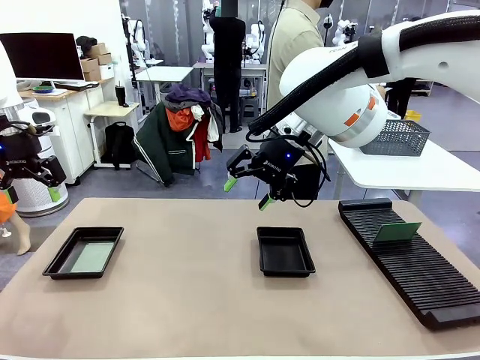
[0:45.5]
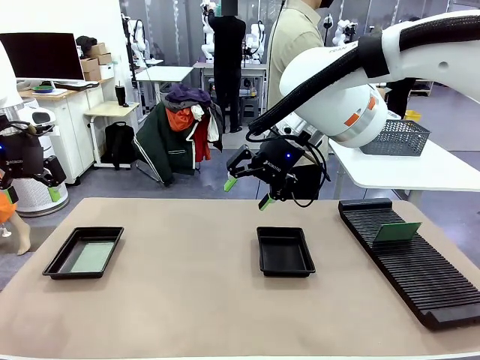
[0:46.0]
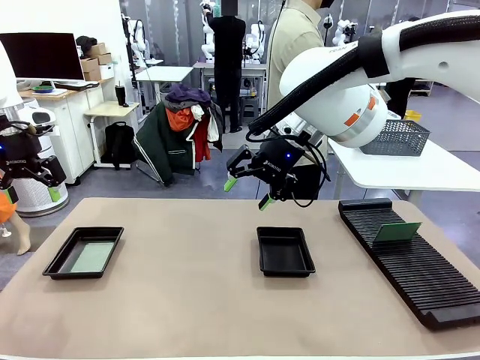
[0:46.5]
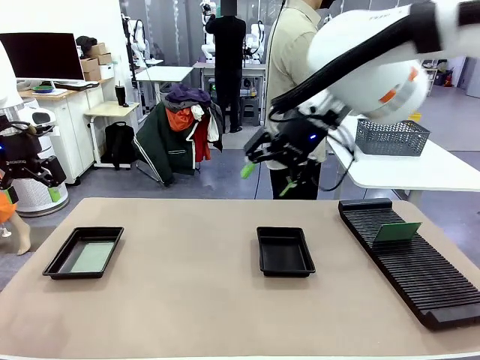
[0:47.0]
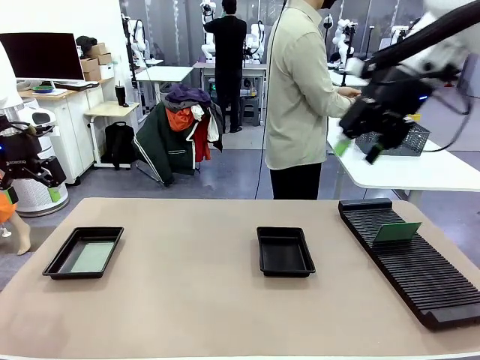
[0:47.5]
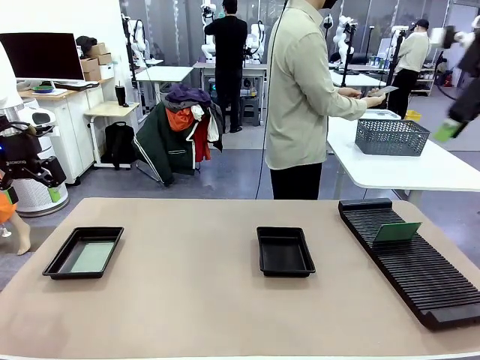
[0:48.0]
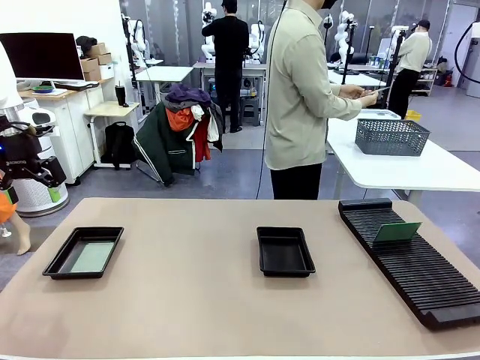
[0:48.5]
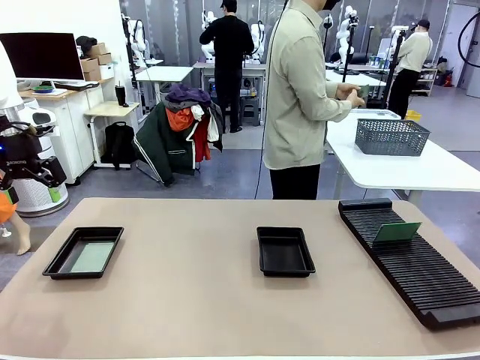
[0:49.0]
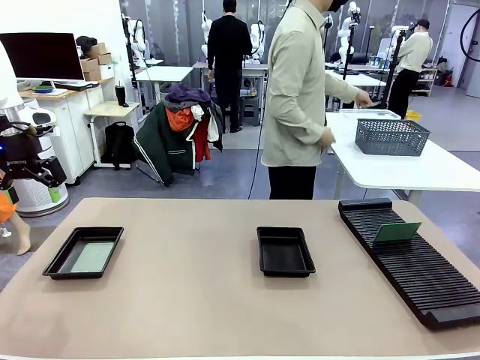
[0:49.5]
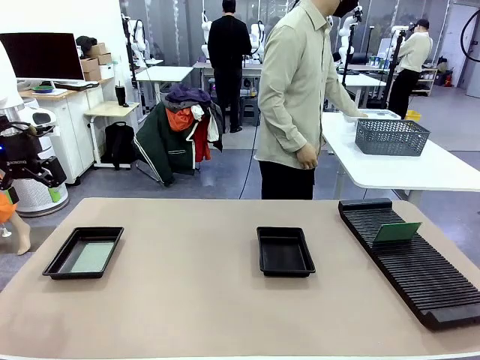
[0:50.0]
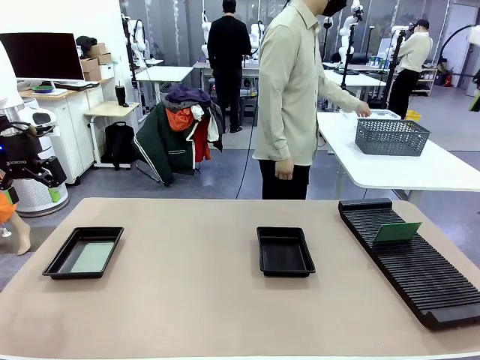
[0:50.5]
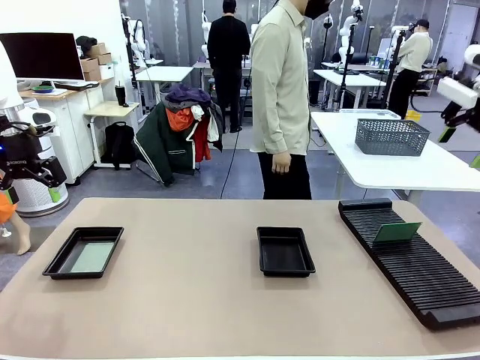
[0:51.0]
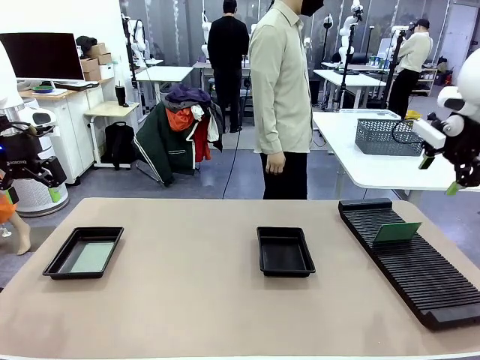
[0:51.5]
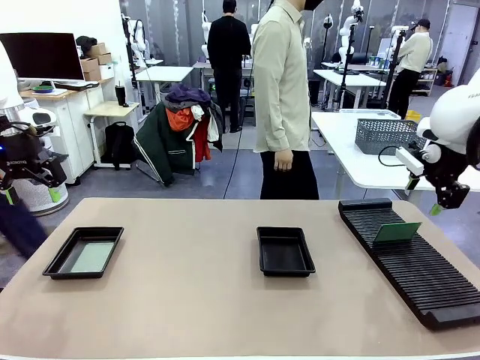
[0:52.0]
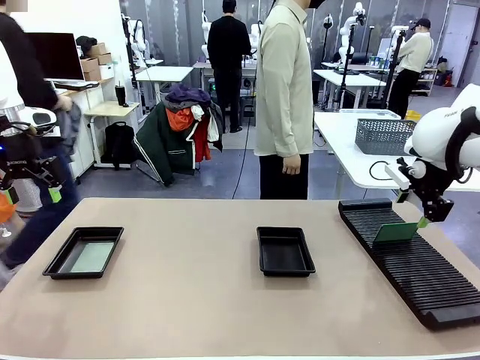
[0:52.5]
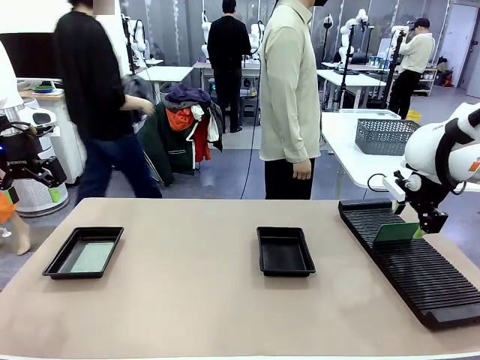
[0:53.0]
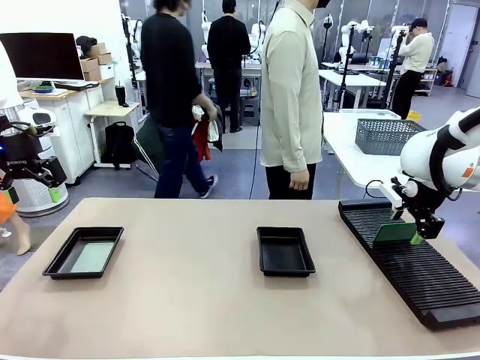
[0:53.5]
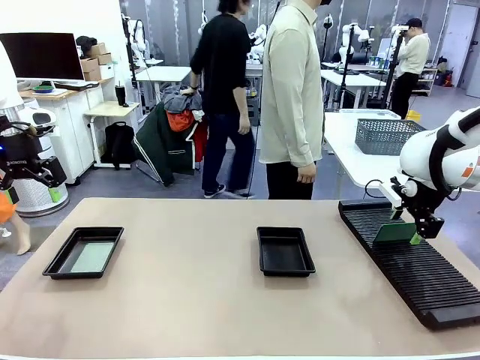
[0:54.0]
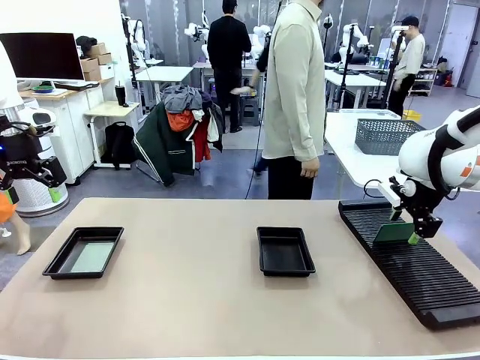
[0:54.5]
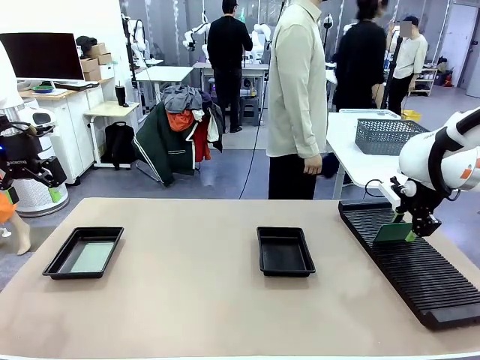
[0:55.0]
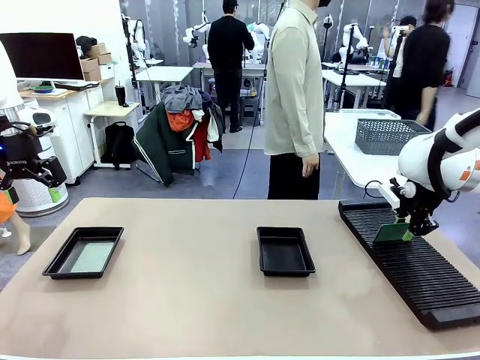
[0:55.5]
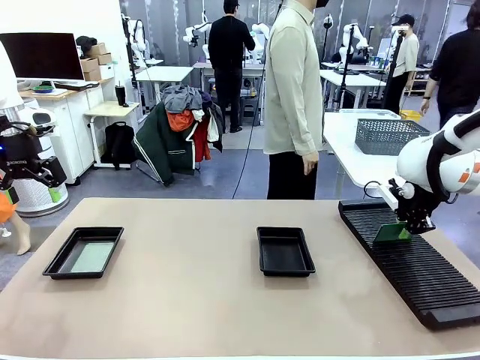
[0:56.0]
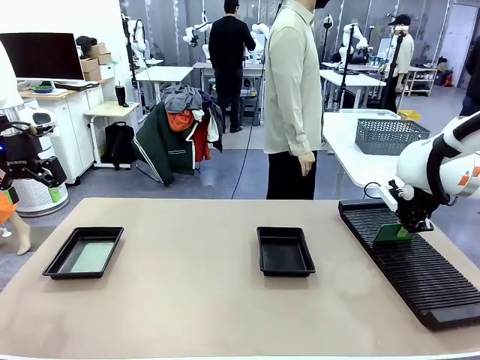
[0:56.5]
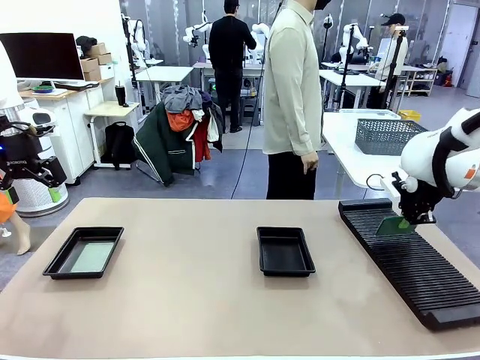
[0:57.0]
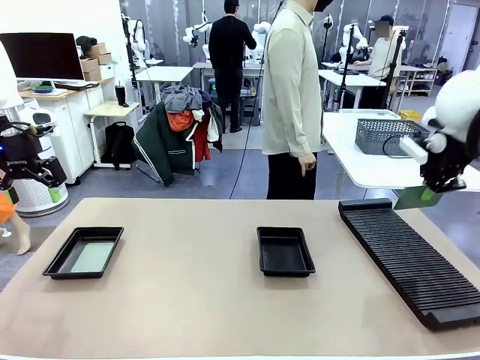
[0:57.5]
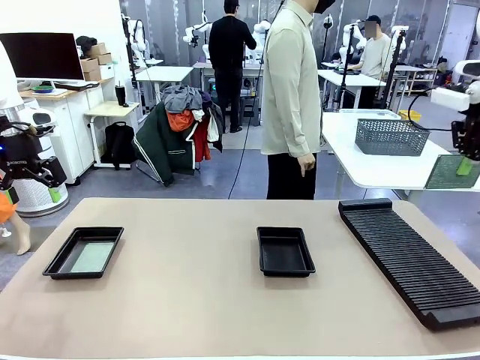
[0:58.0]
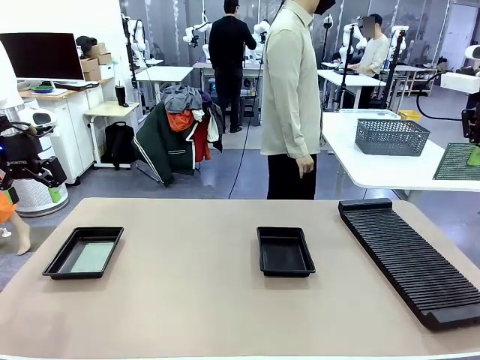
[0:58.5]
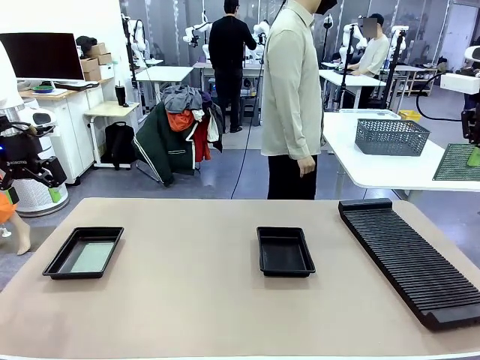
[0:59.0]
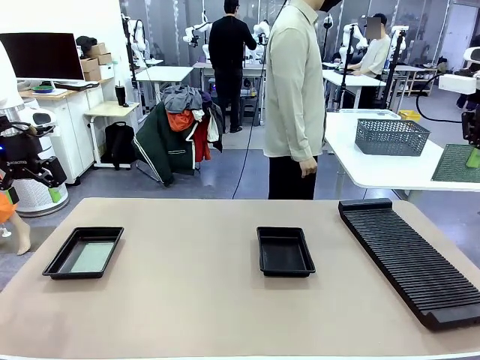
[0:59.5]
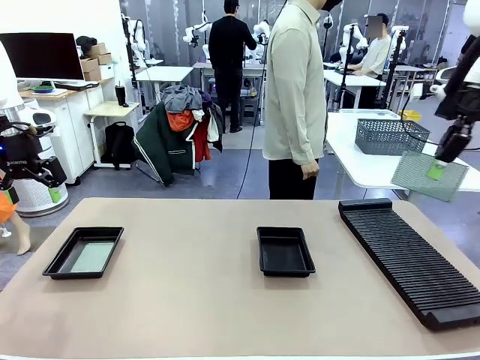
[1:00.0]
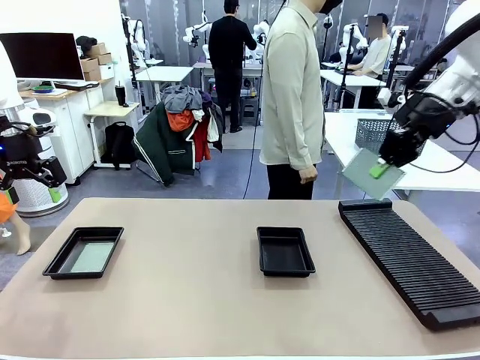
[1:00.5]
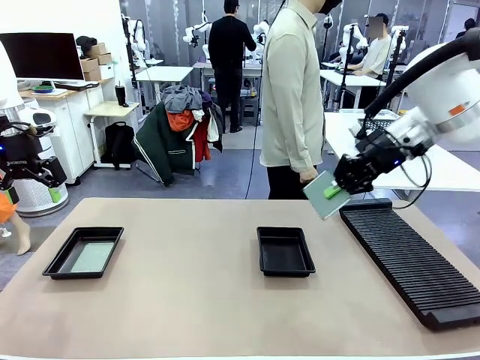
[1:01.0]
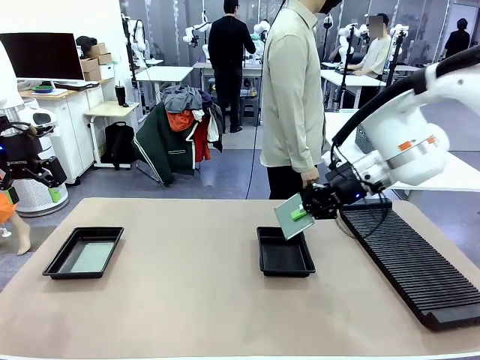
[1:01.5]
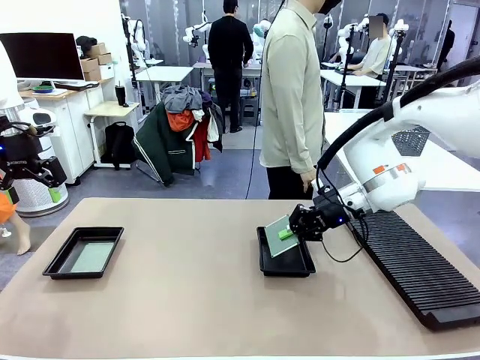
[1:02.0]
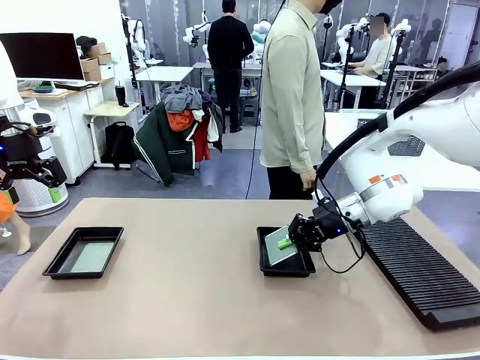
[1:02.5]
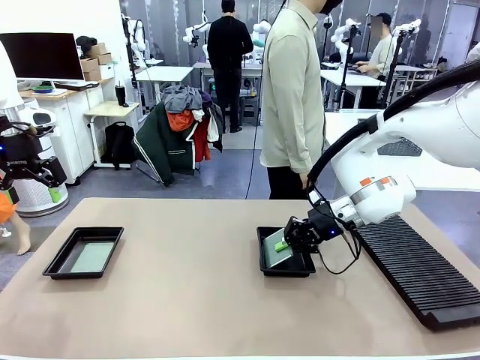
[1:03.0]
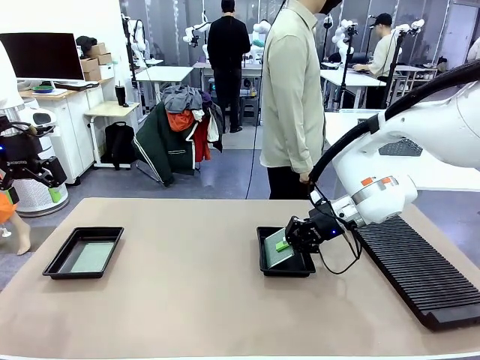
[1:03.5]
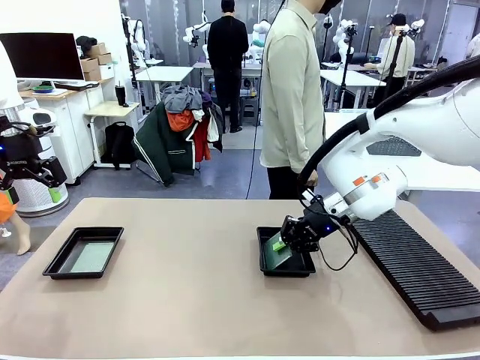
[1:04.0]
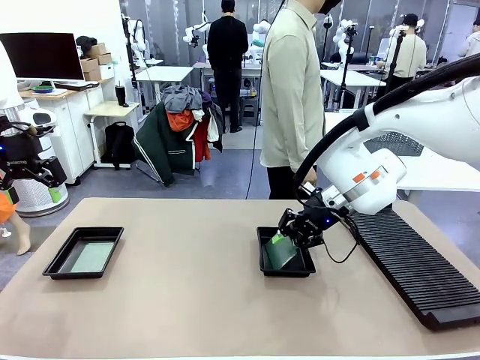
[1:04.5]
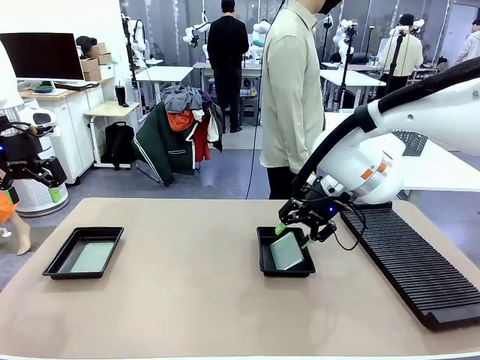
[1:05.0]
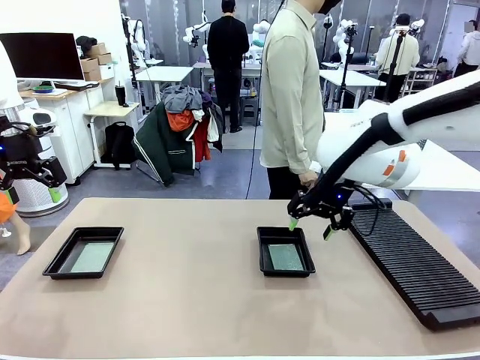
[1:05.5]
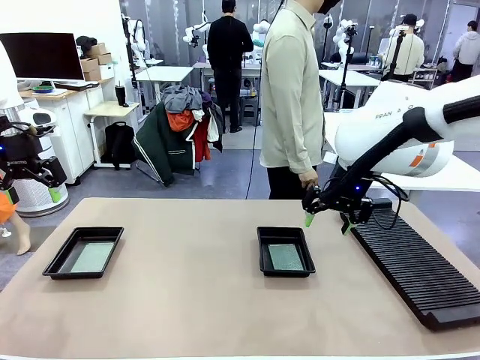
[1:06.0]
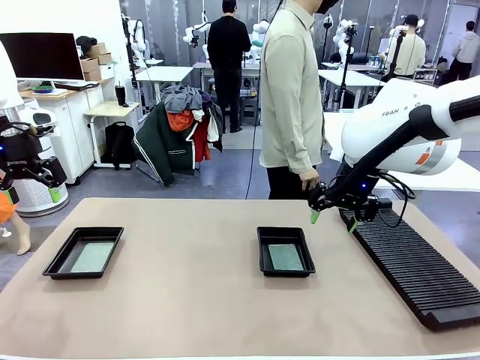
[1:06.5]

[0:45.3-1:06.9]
Task: Inspect and transfer BCBs to ESD trays.
Robot: Pick up the Blank PCB from the PCB Rack and place it in the right ESD tray.

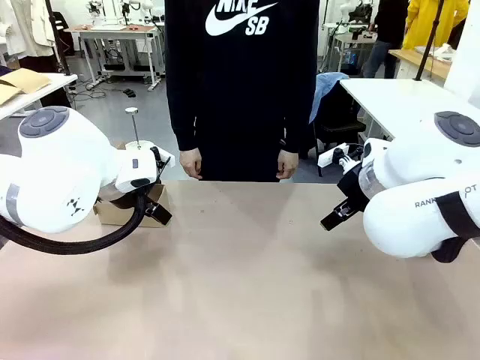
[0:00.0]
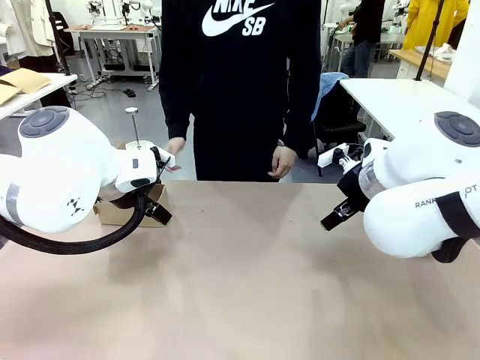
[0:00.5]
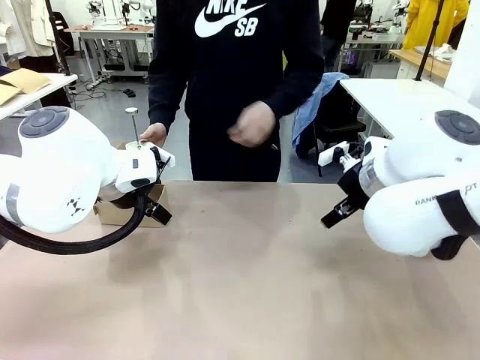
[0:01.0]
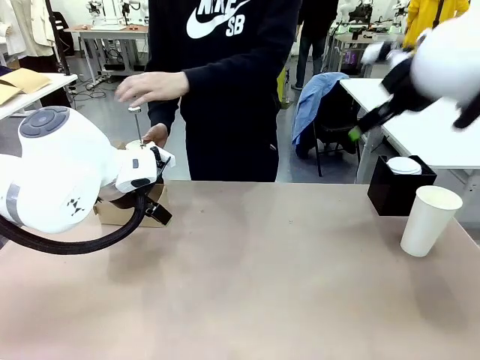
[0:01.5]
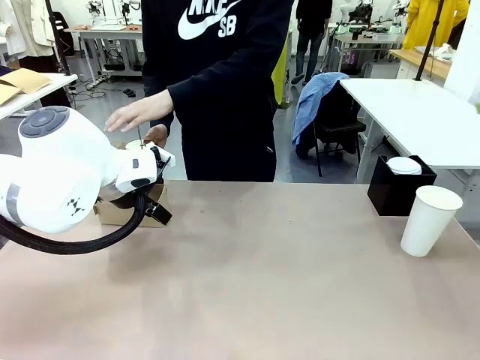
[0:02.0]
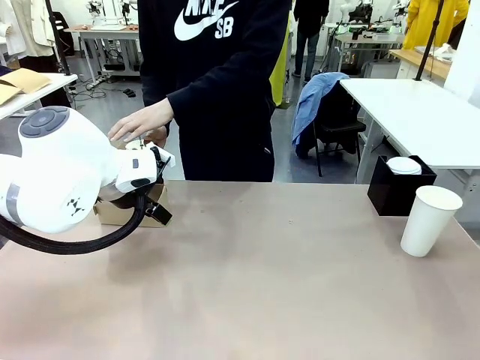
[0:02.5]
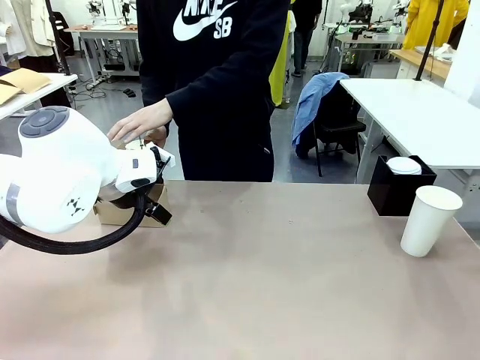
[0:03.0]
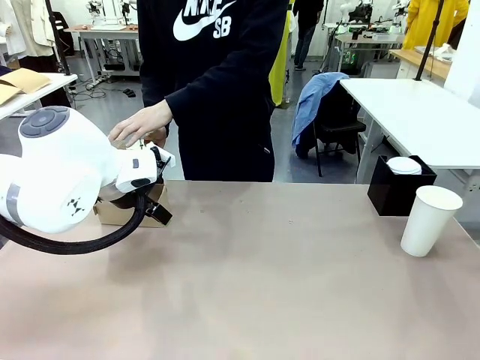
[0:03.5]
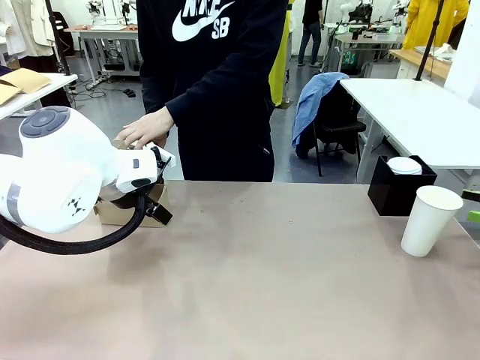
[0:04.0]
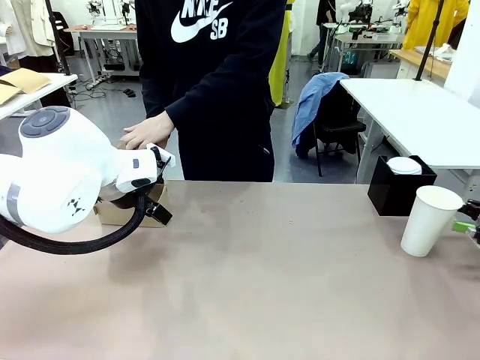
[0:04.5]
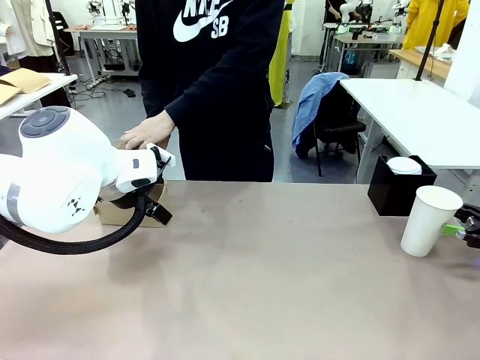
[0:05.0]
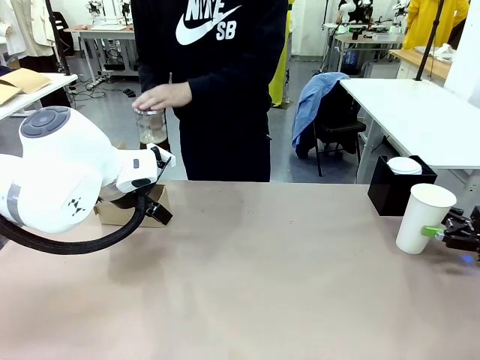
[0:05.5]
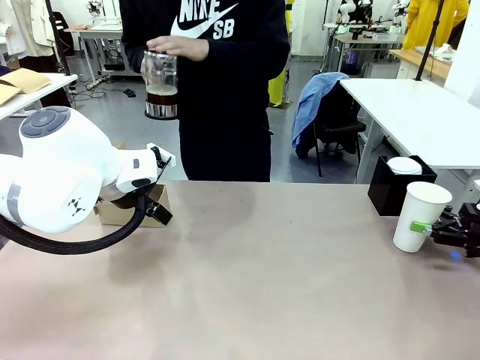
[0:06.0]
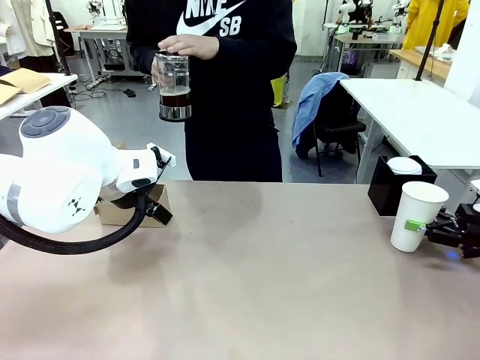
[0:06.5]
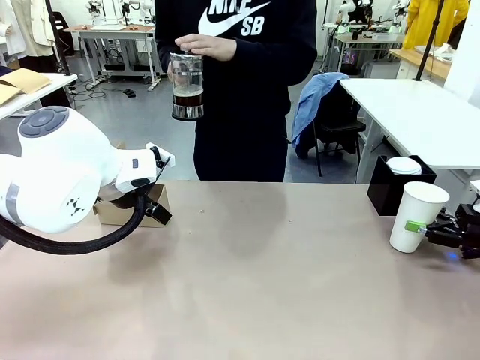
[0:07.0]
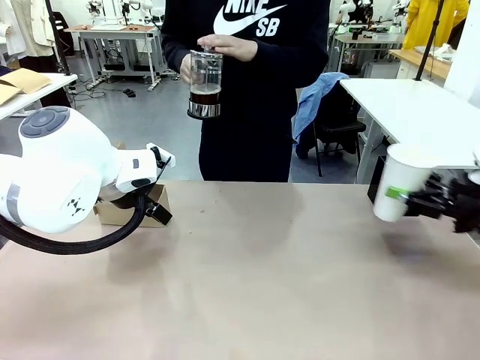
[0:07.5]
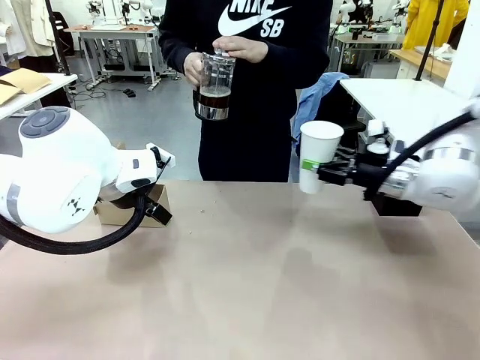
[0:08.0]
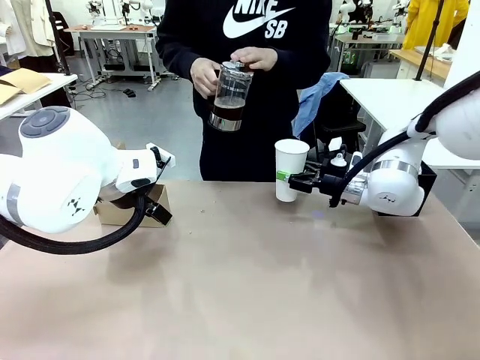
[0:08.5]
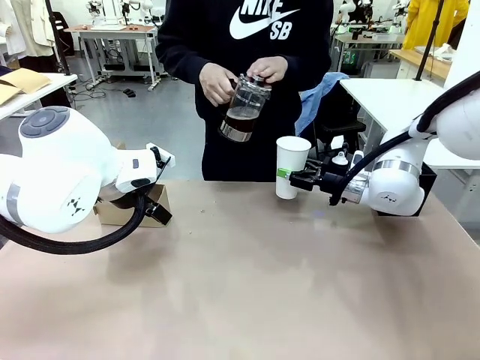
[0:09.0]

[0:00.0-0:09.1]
Task: Pour a drink into a cup and package it in a carrier.
Robot: Pick up the 600 ml Paper Cup and place it in the middle top area of the table.
Person: Press and pick up the Filter Brewing.
